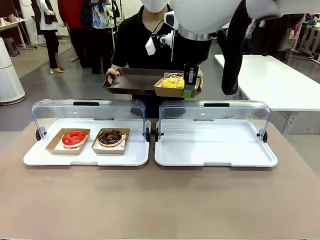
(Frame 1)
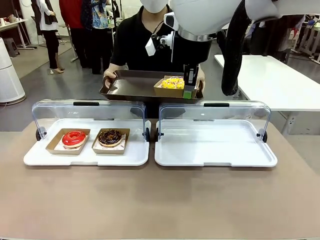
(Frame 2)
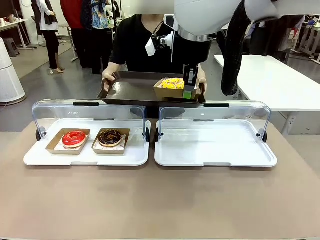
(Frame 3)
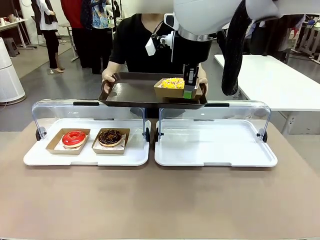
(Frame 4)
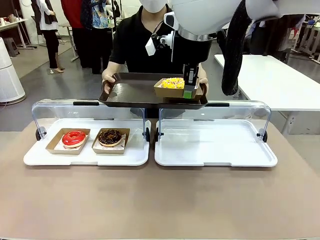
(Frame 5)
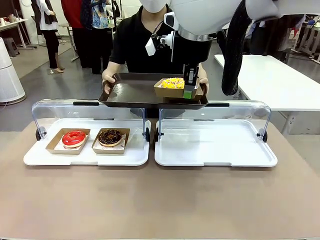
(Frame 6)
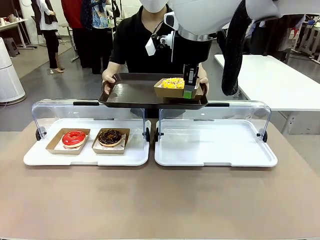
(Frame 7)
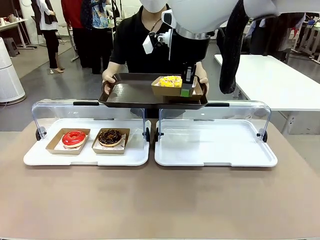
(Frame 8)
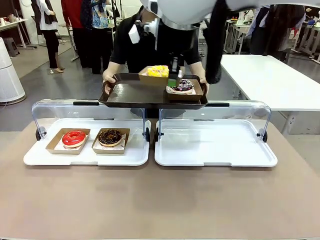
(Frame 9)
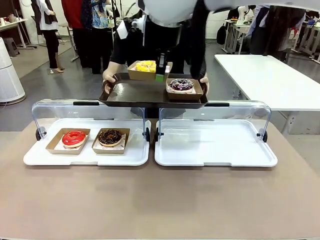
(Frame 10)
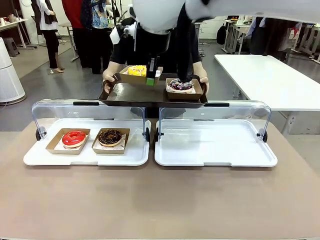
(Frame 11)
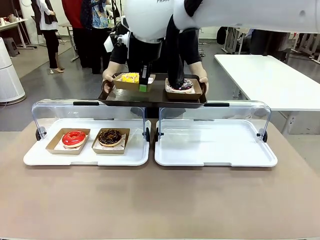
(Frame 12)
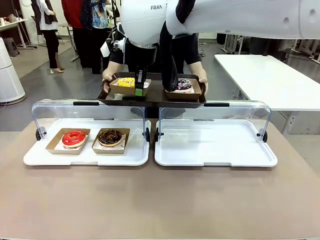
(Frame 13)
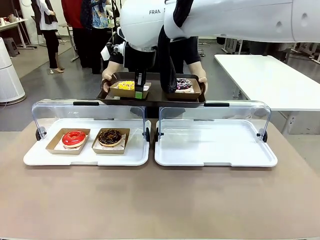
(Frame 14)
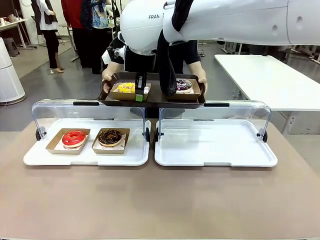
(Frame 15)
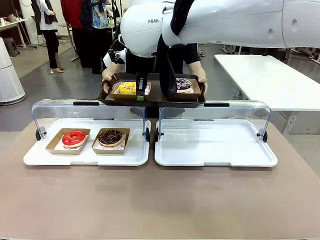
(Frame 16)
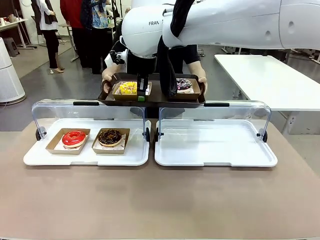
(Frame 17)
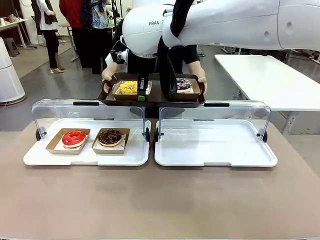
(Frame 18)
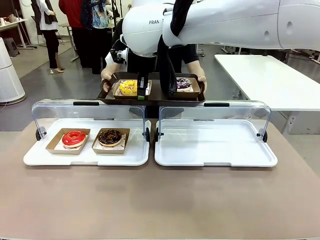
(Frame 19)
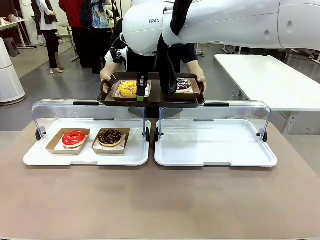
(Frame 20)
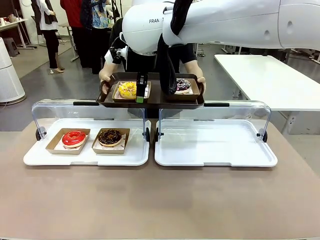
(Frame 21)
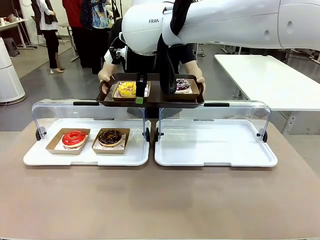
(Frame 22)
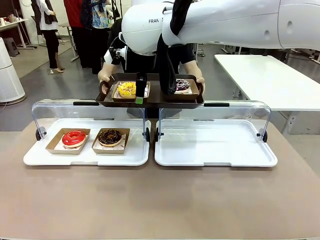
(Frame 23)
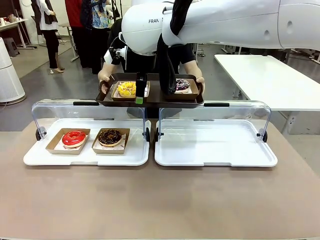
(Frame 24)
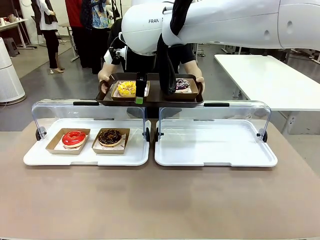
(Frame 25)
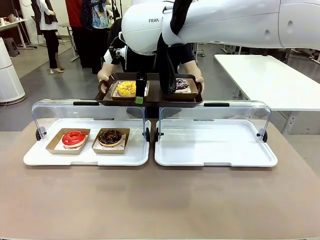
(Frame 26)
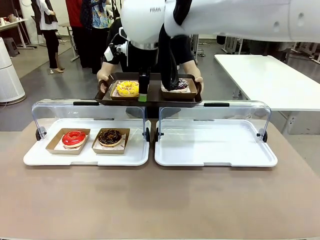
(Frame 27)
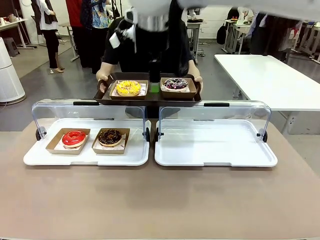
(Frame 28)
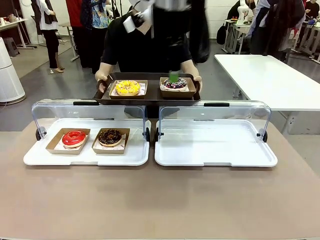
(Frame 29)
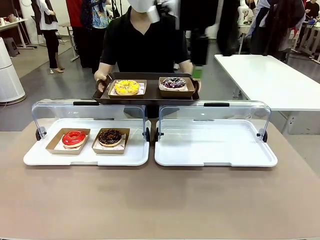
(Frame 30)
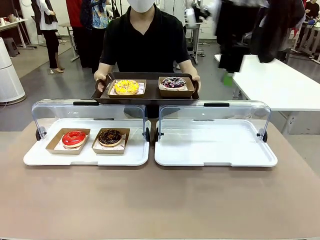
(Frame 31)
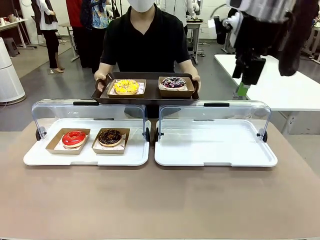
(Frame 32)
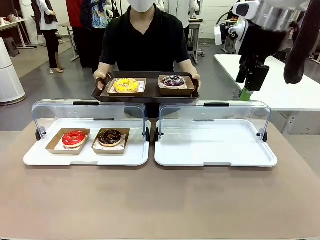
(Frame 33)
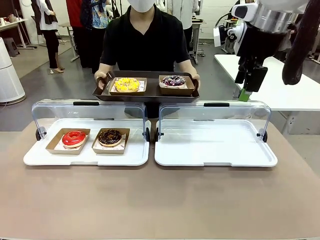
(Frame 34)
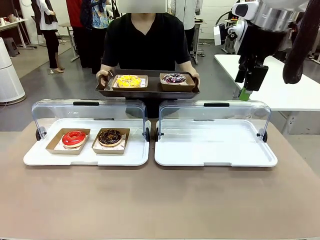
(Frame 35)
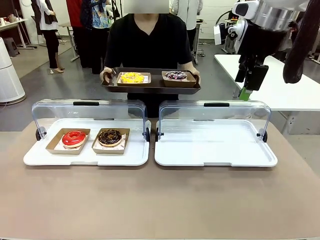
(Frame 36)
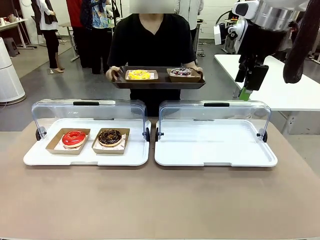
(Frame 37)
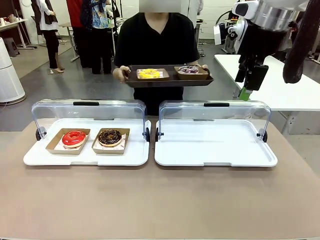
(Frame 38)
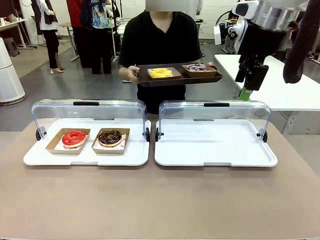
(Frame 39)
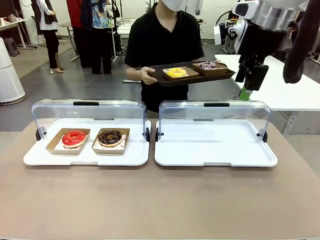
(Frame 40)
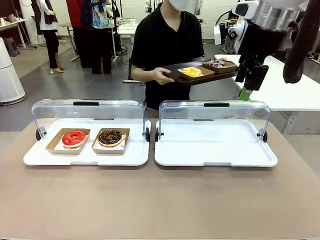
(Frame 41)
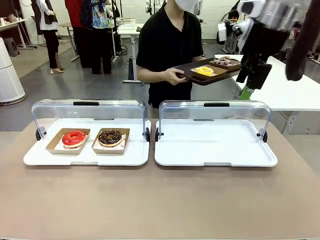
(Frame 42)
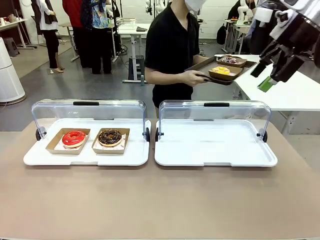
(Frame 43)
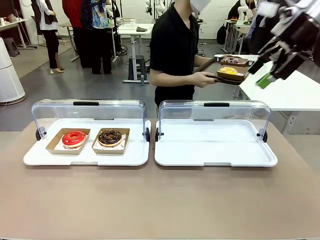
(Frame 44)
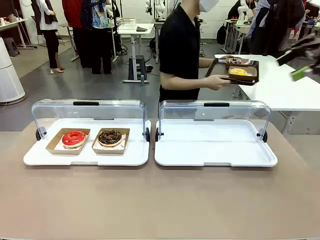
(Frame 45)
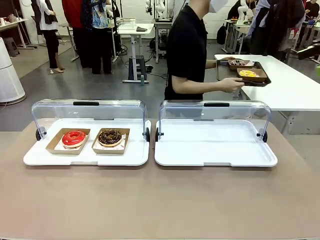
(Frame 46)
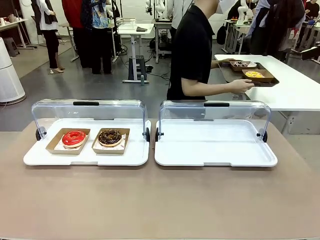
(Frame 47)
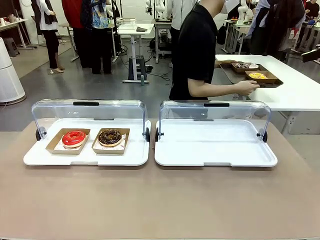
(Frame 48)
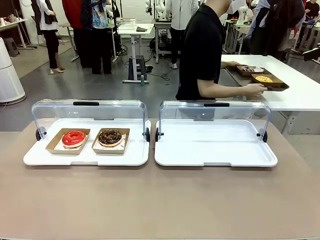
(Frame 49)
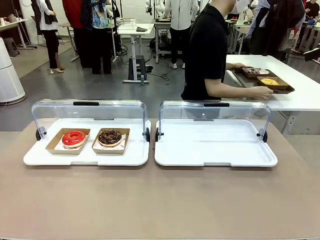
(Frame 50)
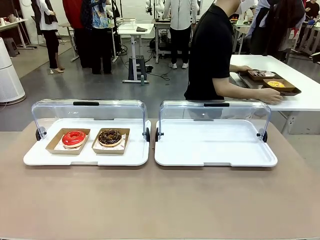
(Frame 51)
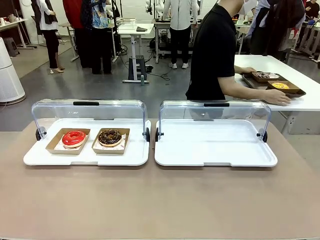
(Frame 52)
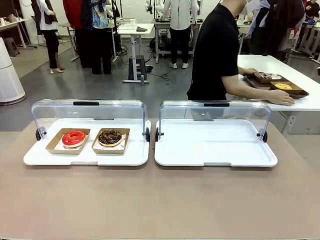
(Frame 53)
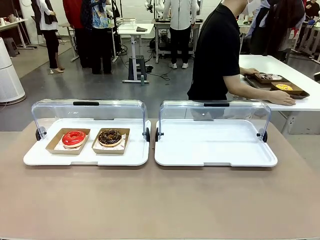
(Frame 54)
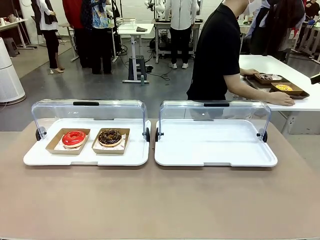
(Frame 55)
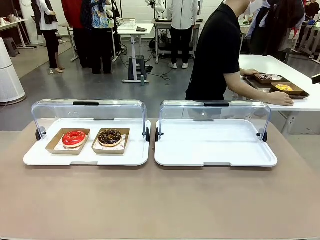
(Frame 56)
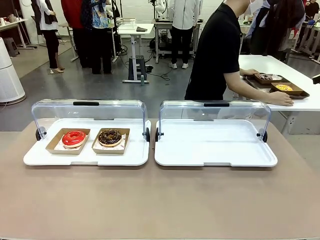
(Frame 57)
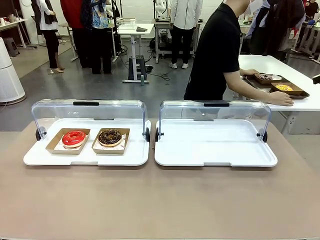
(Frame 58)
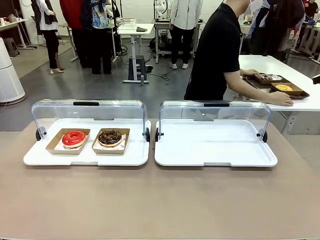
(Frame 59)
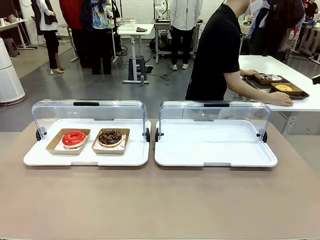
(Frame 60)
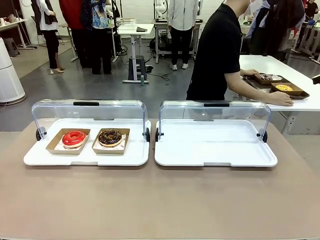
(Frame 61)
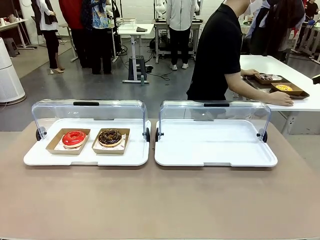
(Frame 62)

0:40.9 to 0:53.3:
Task: Provide the desired donut to the person.
Robot: Place the picked Paper togo box onto the Handle tray extended by the person.
Person: Place the tray in the middle of the human table.

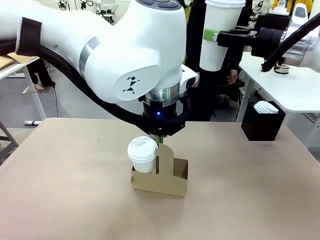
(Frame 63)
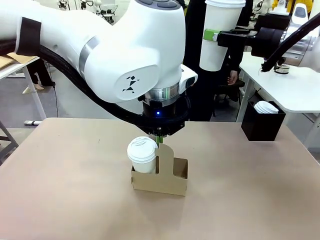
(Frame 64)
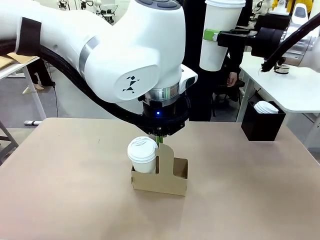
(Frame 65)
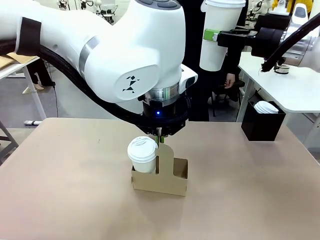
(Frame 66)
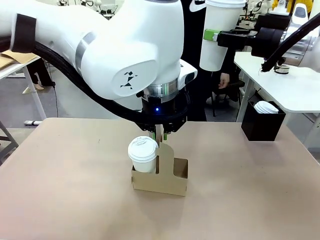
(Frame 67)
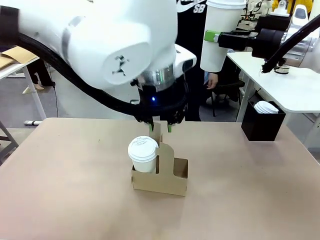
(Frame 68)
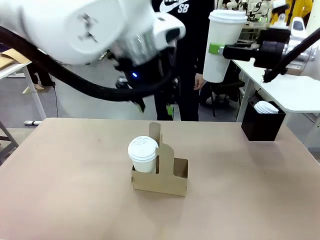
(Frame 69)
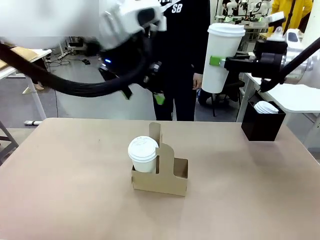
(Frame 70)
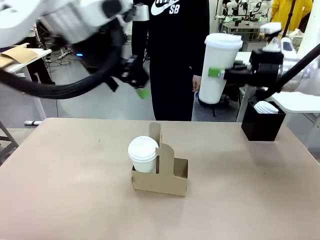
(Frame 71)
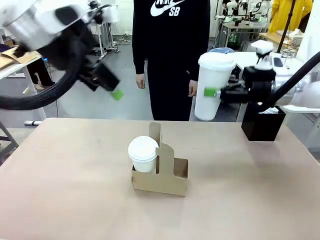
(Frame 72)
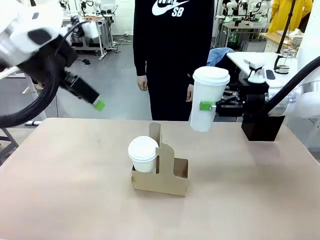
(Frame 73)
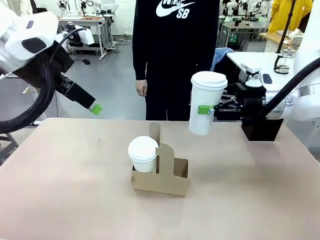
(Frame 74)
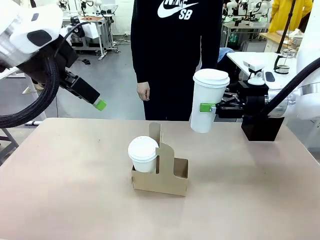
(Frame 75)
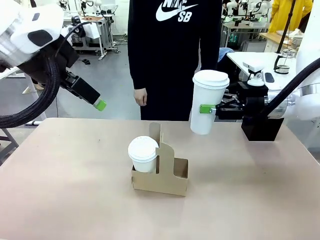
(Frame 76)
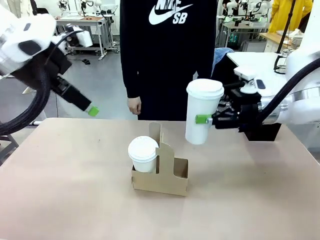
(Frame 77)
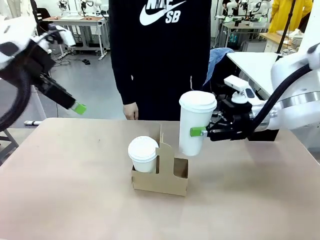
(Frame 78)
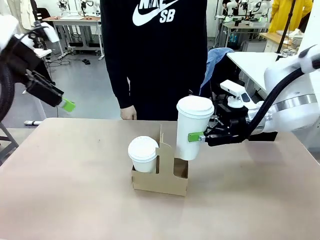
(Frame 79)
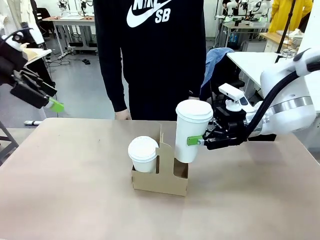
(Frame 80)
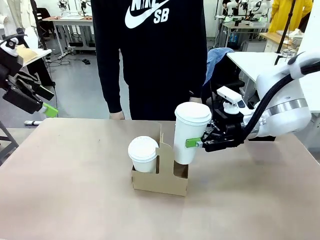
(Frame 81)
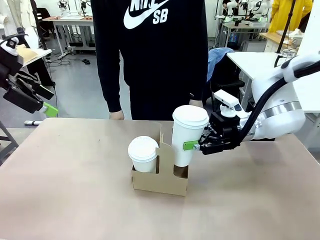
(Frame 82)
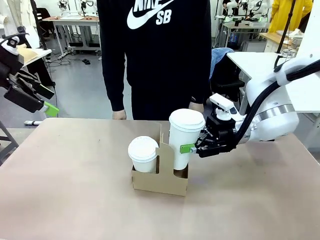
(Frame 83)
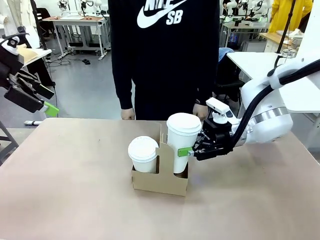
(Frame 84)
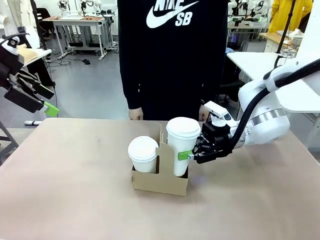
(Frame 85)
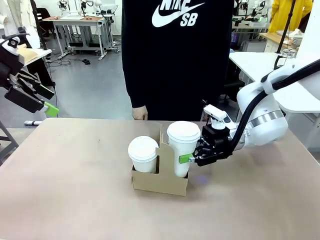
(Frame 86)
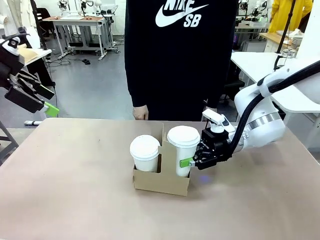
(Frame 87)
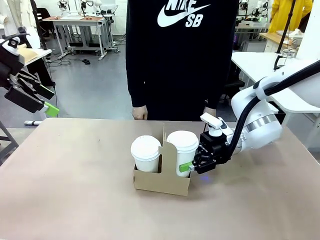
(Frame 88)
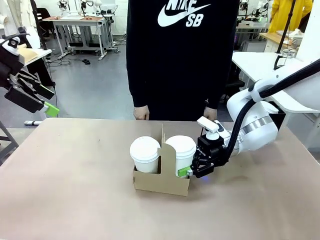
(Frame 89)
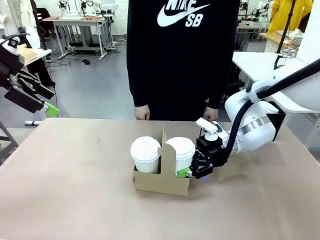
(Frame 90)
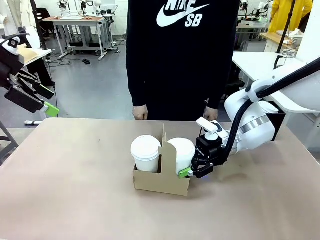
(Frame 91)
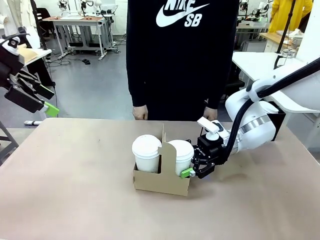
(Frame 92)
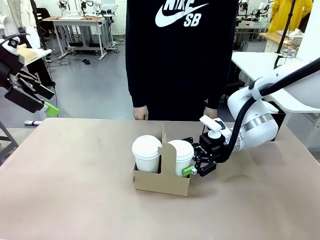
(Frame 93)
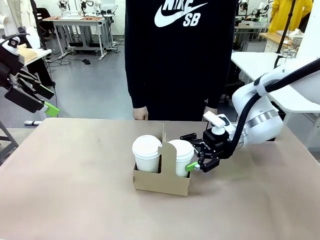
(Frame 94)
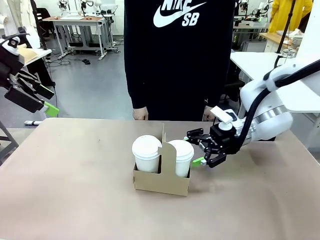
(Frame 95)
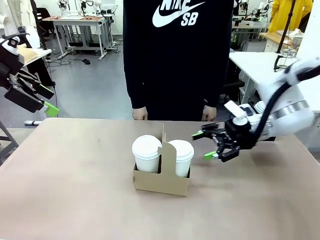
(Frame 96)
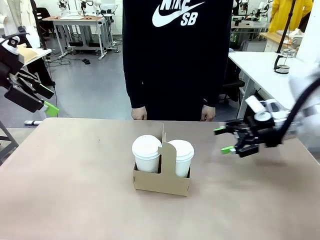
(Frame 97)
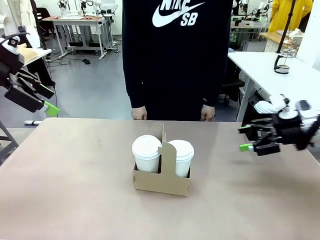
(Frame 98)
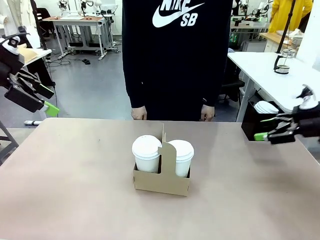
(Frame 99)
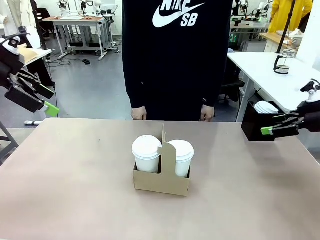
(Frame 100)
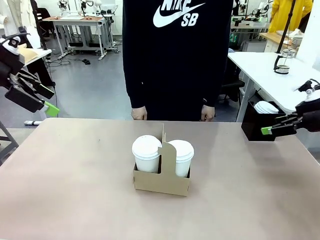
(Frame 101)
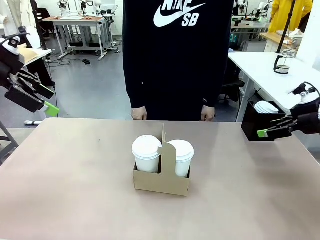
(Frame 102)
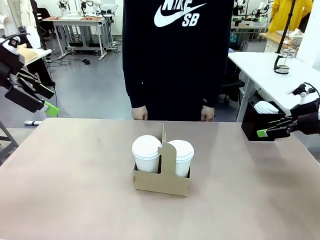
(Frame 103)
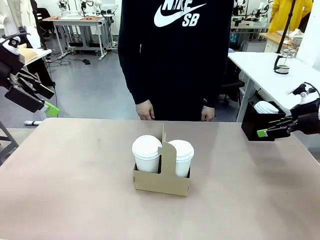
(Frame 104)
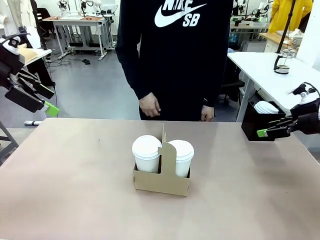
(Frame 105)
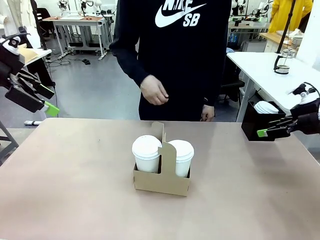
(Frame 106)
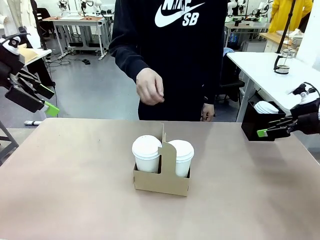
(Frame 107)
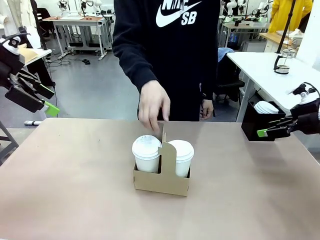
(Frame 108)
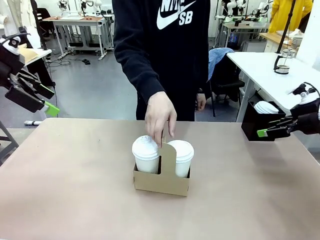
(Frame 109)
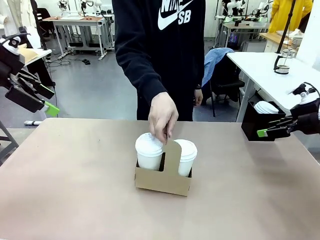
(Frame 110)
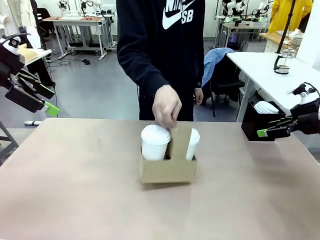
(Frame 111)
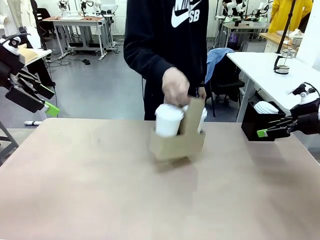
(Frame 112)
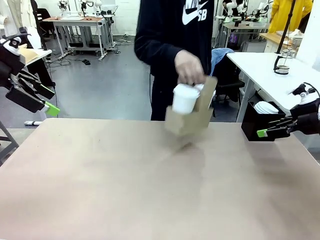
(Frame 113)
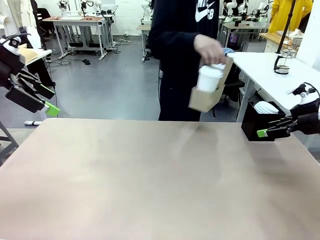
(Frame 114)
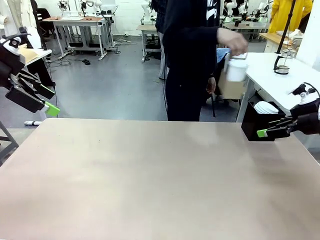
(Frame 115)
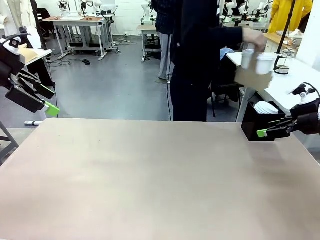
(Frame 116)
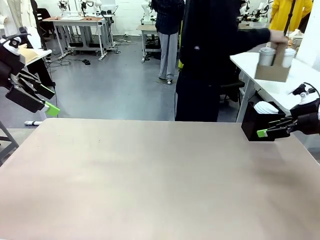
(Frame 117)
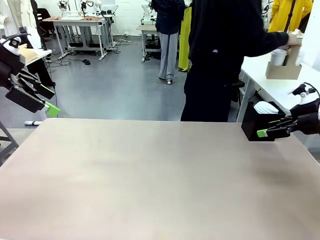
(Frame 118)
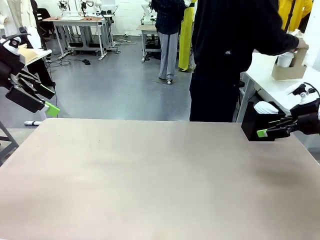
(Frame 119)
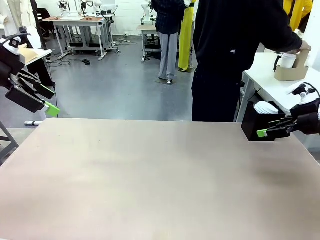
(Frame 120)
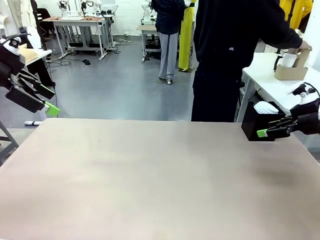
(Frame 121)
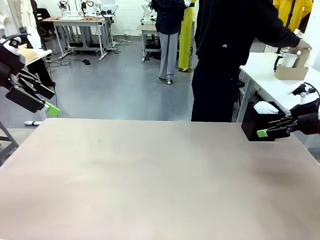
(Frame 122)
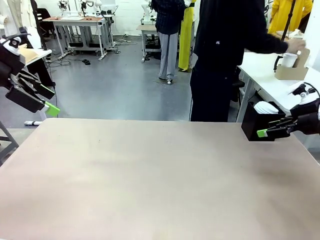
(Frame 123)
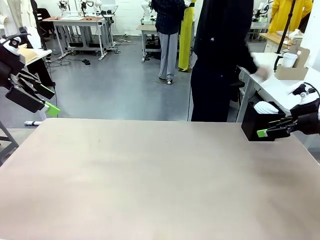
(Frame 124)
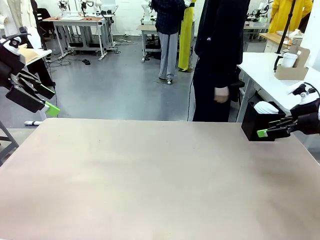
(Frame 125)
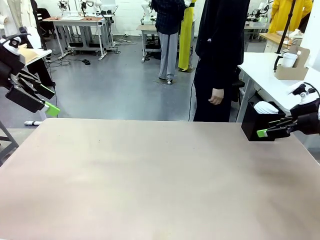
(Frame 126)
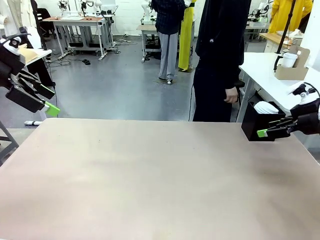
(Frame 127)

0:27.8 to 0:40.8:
Task: Pour a drink into a cup and package it in a carrier.
Robot: Insert the held 600 ml Paper Cup into the Cup Carrier.
Person: Place the Cup Carrier to the middle of Human table.
